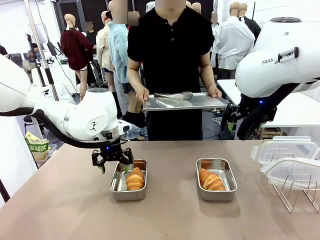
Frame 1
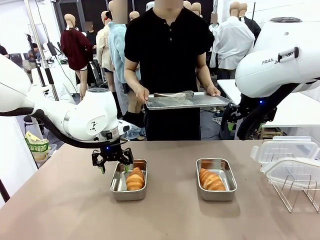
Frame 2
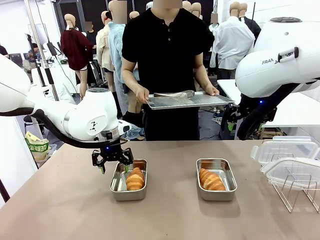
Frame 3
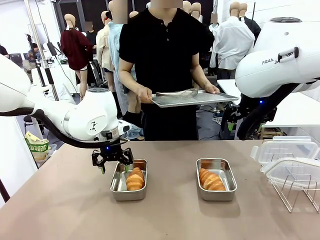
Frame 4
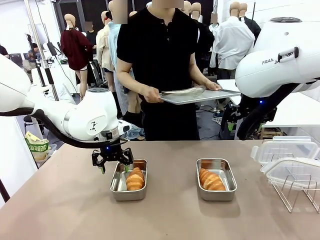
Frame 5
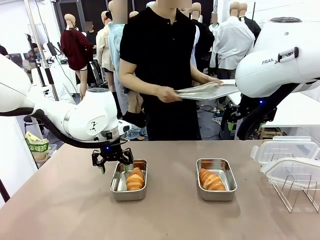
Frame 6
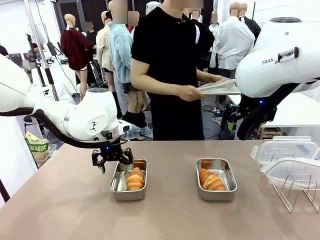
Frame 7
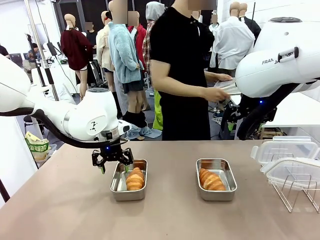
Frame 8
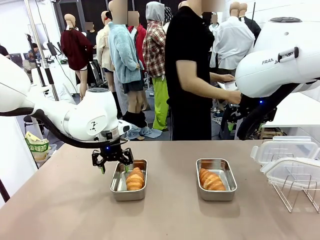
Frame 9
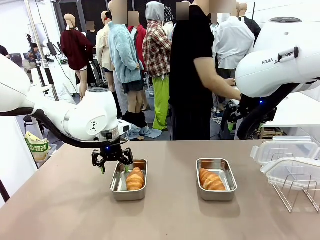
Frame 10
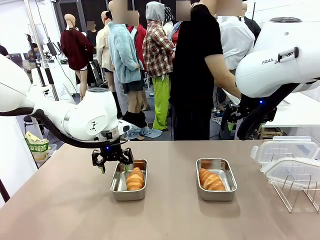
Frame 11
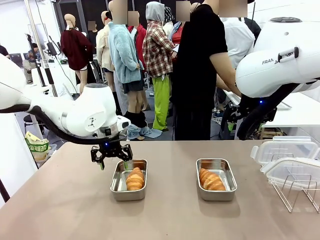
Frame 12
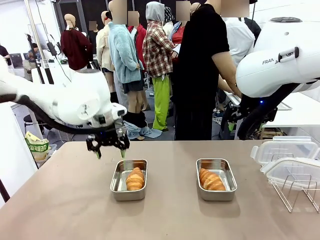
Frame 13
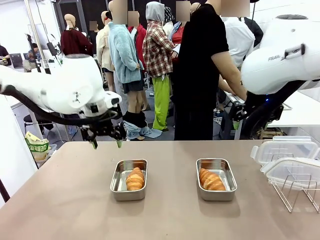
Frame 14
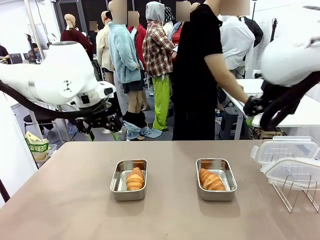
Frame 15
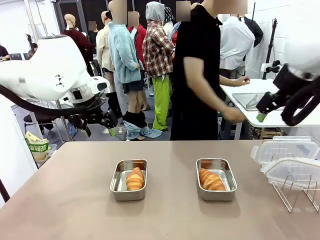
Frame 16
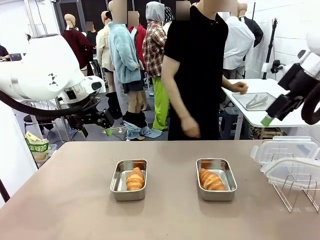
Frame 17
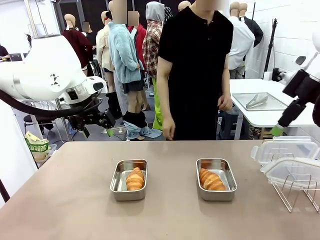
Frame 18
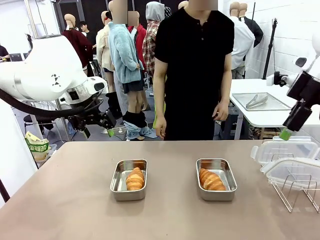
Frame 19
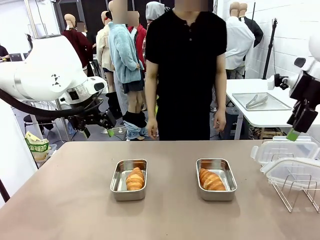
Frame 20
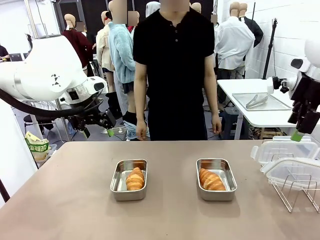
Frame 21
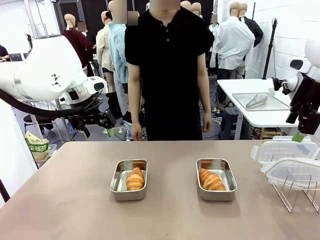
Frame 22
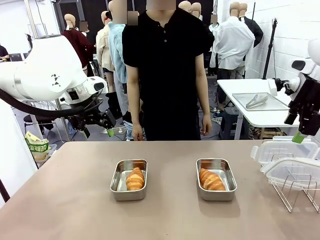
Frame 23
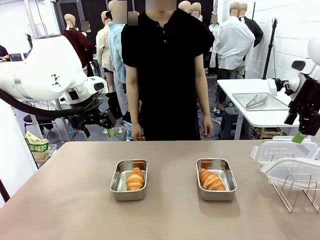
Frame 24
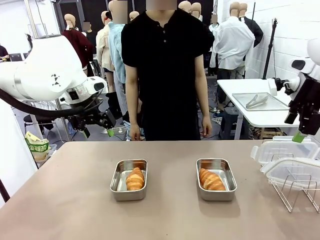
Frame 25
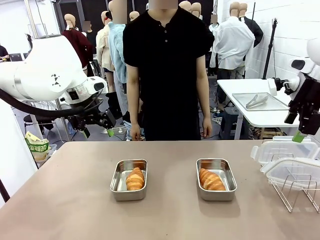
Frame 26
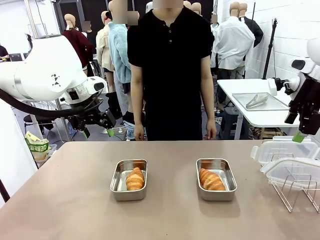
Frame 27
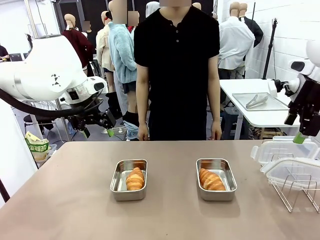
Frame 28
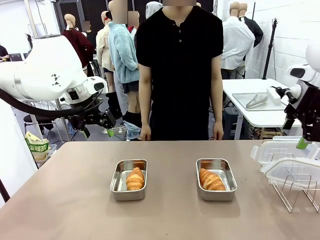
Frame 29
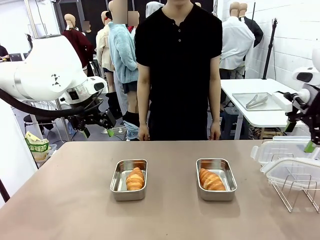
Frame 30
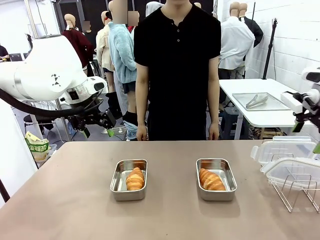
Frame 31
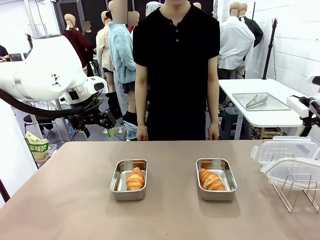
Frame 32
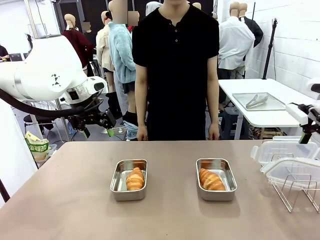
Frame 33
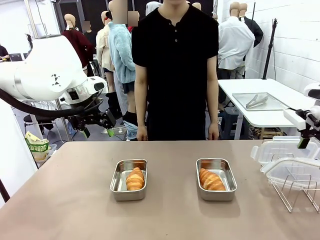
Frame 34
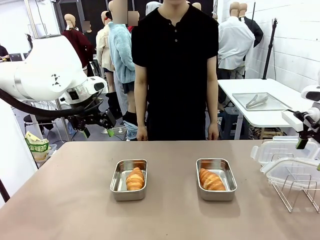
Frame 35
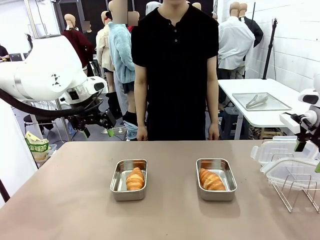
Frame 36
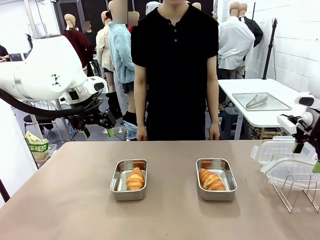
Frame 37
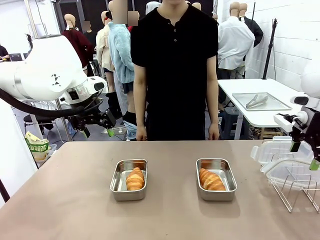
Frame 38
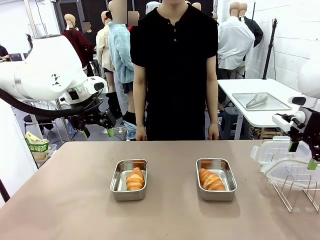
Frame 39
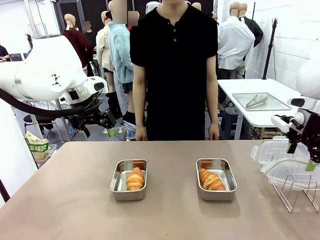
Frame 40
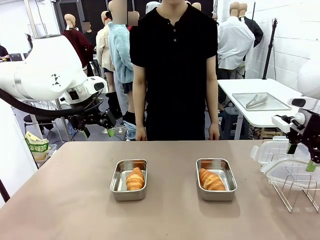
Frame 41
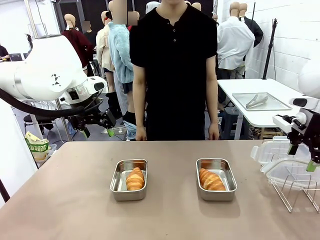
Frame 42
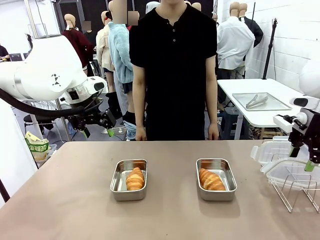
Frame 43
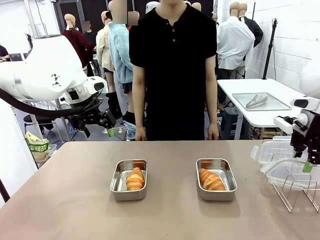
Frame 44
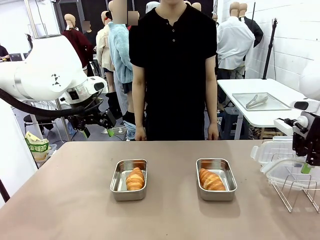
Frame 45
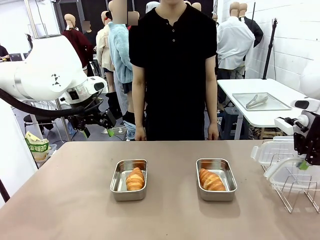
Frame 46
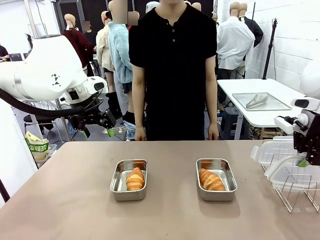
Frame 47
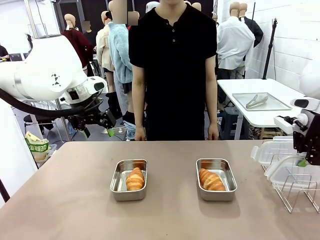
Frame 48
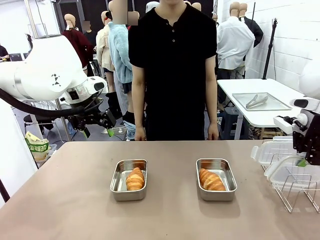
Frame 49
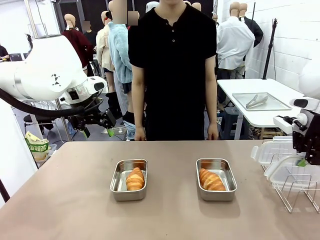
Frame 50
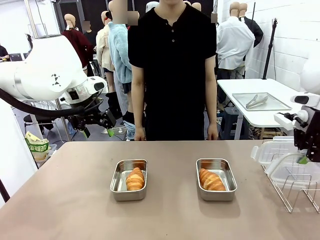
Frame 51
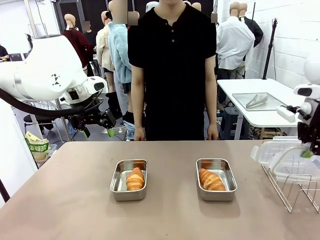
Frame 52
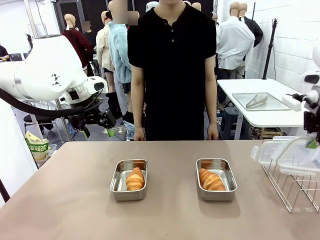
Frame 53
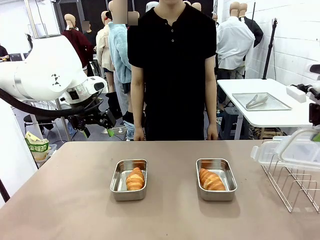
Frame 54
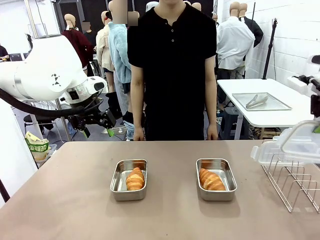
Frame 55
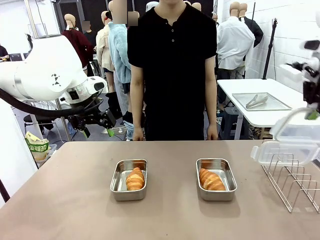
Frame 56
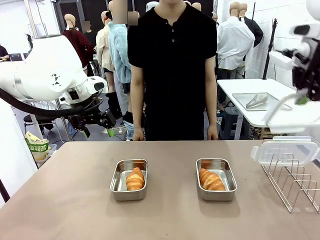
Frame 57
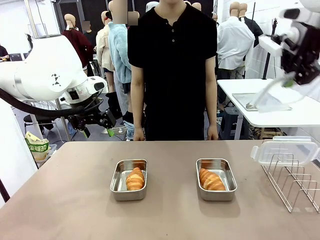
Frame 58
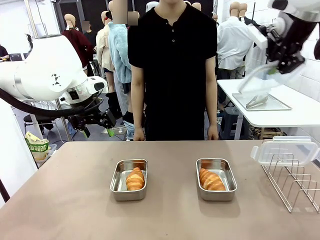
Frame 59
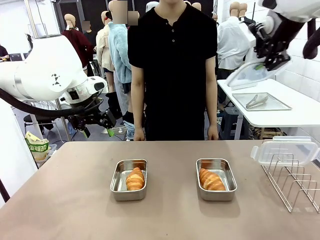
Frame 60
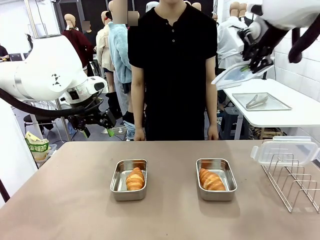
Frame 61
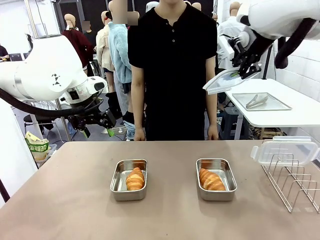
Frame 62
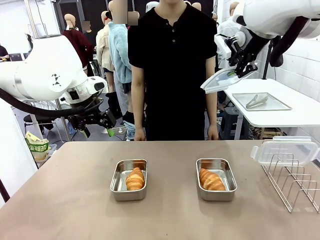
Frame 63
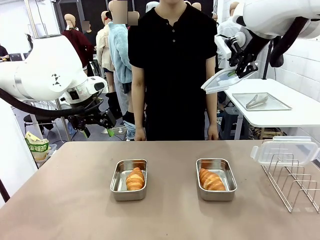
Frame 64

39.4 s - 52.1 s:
Task: Place the bread in airtight containers.
Robot: Pick up one Airtight Container lid and hand it to the human.
Person: Grip Airtight Container lid that robot is handing.

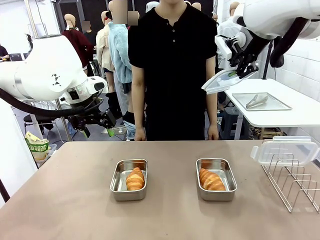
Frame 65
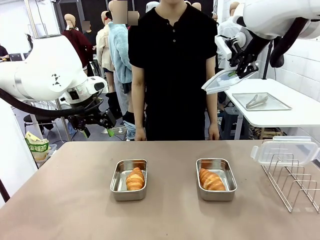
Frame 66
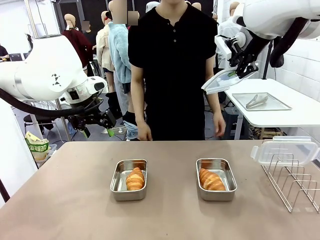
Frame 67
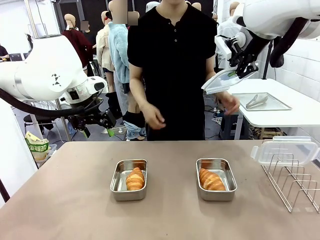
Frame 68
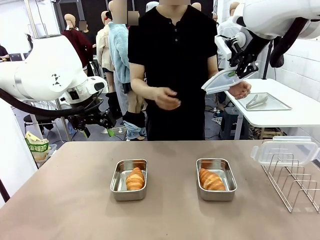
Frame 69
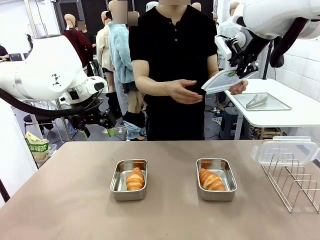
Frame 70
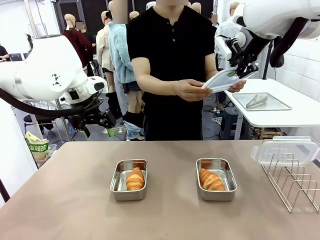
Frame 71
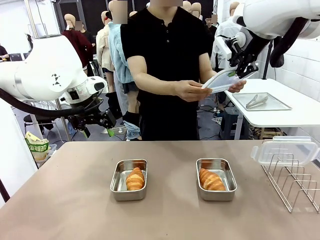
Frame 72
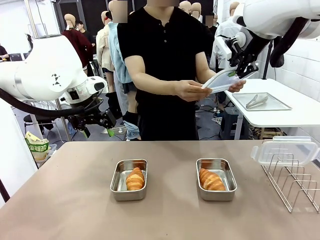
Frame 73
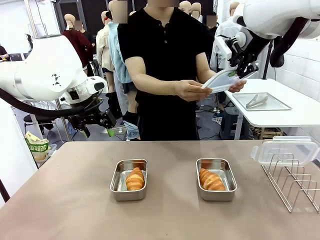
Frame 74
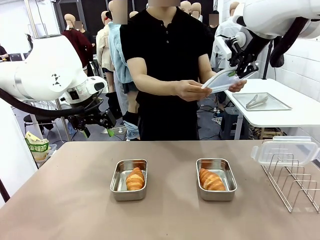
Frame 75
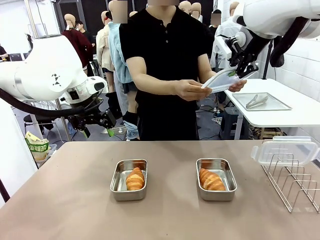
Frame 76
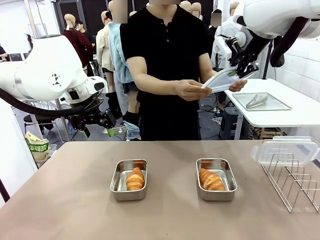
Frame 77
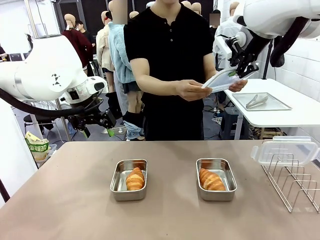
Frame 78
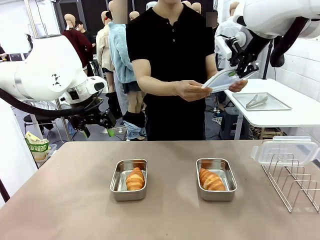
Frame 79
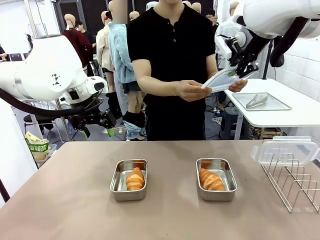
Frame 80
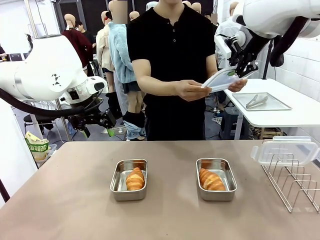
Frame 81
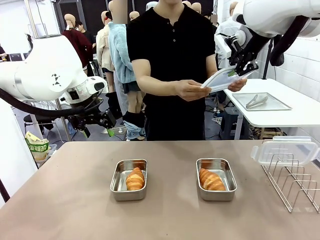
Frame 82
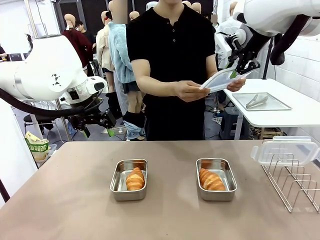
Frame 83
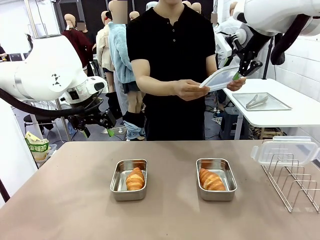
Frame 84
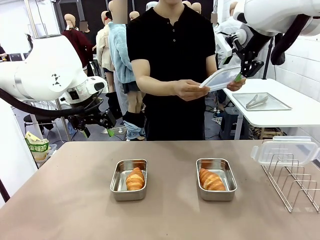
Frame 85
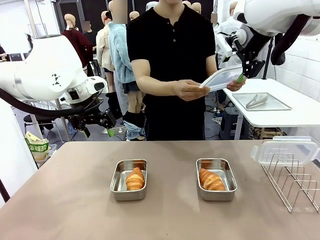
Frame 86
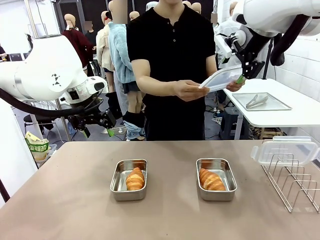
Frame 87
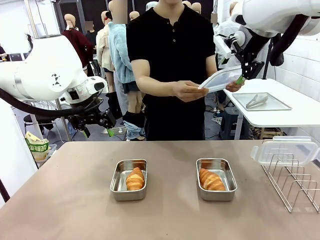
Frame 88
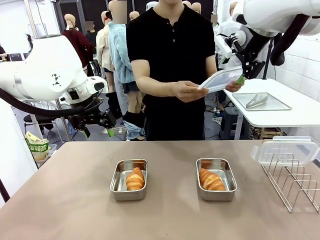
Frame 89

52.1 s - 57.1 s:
Robot: Release when the human grabs the Airtight Container lid.
